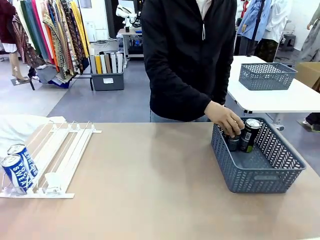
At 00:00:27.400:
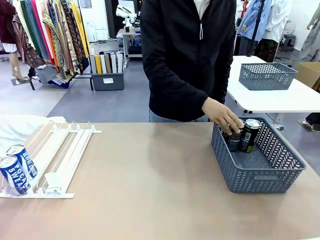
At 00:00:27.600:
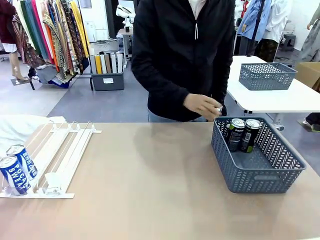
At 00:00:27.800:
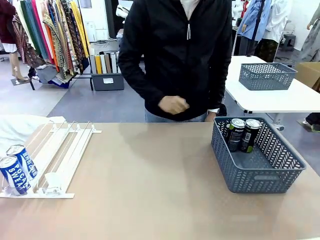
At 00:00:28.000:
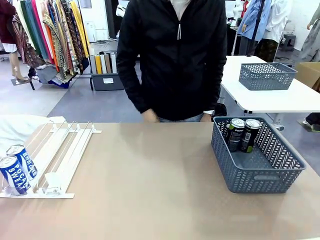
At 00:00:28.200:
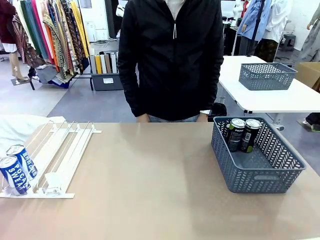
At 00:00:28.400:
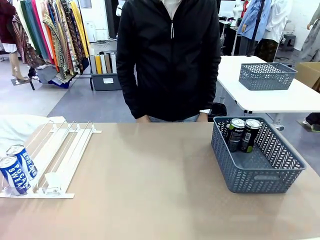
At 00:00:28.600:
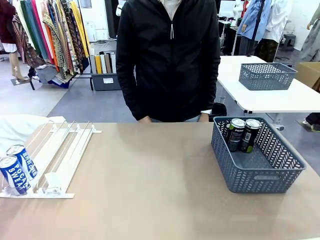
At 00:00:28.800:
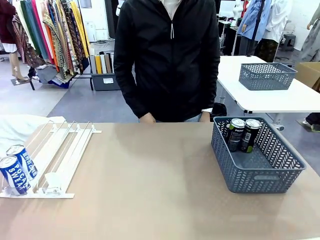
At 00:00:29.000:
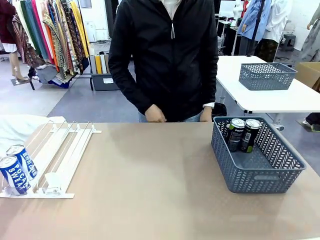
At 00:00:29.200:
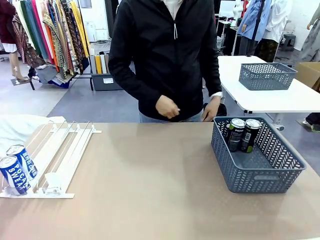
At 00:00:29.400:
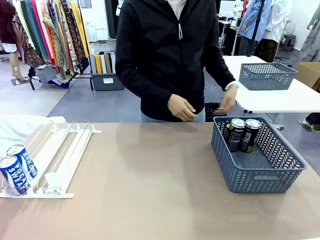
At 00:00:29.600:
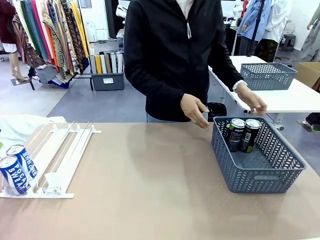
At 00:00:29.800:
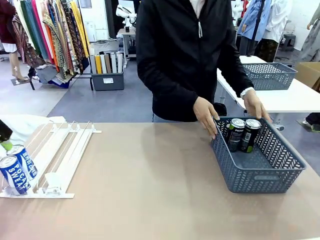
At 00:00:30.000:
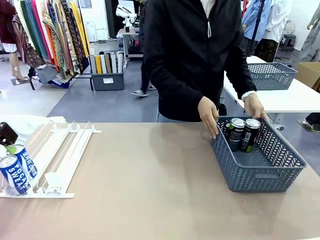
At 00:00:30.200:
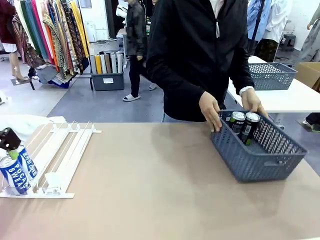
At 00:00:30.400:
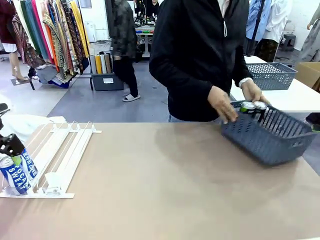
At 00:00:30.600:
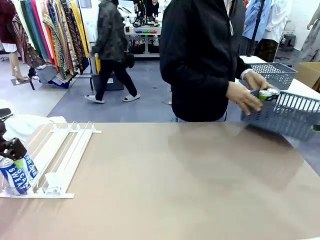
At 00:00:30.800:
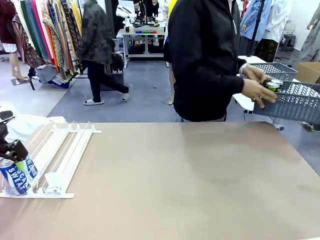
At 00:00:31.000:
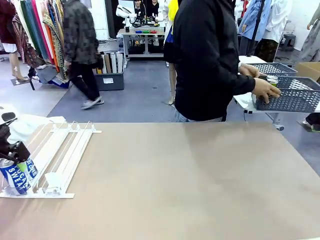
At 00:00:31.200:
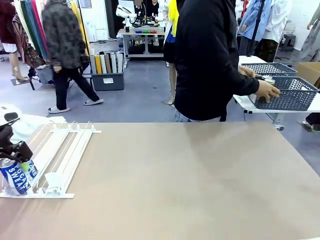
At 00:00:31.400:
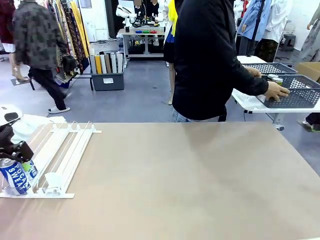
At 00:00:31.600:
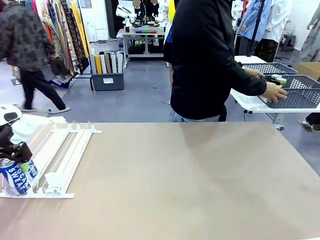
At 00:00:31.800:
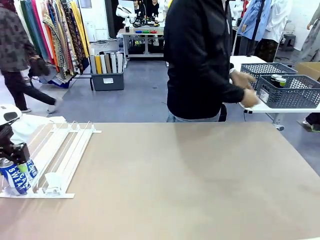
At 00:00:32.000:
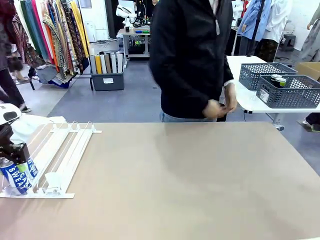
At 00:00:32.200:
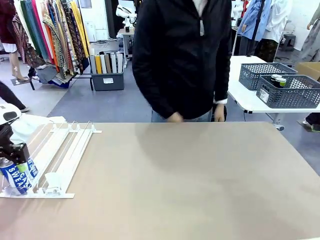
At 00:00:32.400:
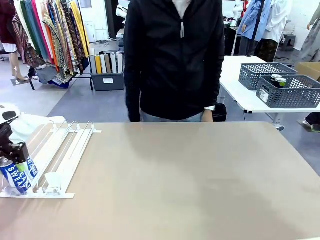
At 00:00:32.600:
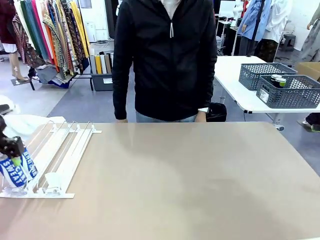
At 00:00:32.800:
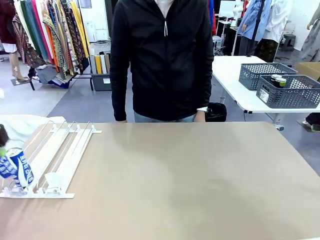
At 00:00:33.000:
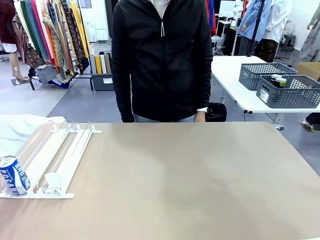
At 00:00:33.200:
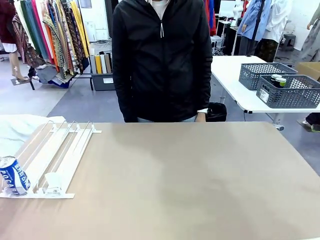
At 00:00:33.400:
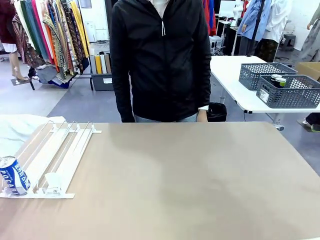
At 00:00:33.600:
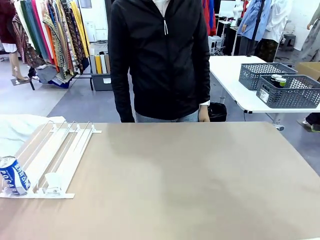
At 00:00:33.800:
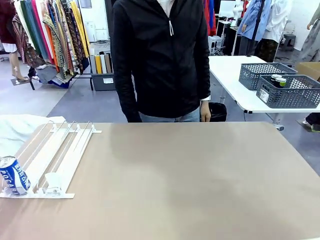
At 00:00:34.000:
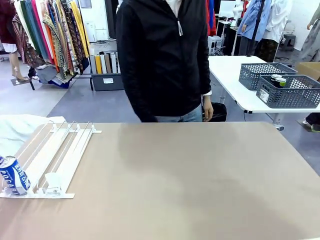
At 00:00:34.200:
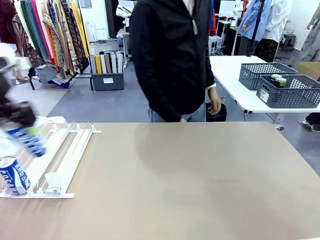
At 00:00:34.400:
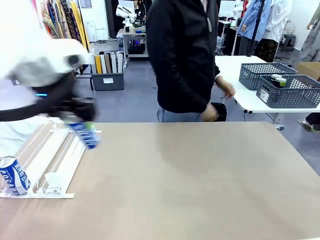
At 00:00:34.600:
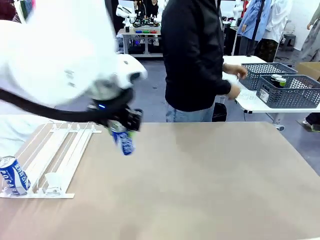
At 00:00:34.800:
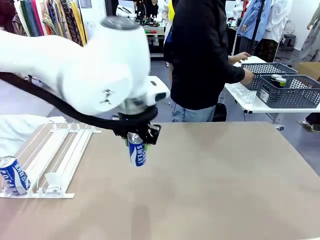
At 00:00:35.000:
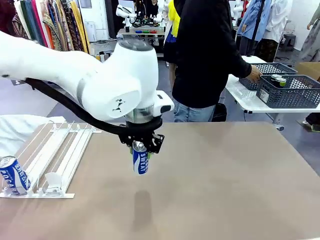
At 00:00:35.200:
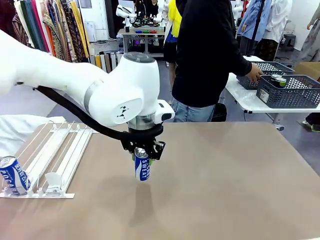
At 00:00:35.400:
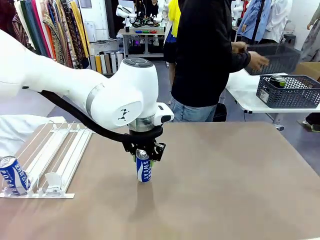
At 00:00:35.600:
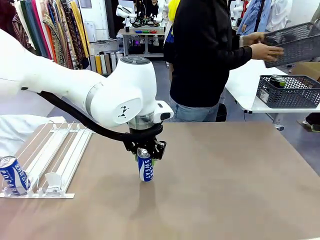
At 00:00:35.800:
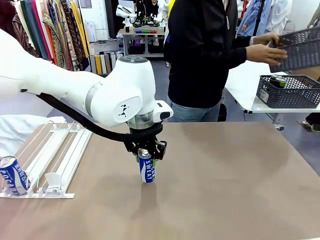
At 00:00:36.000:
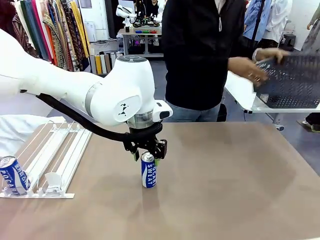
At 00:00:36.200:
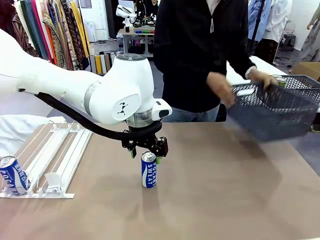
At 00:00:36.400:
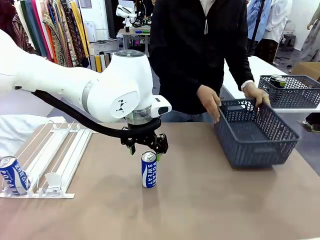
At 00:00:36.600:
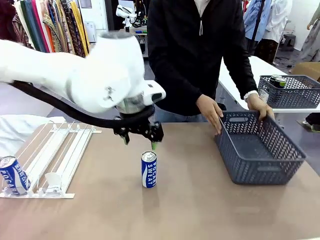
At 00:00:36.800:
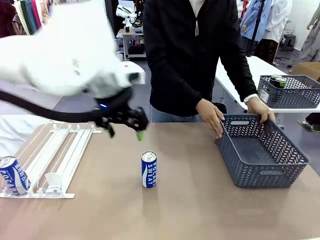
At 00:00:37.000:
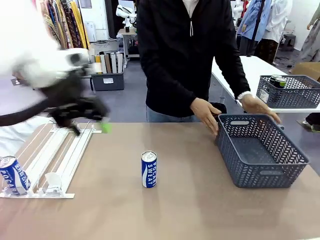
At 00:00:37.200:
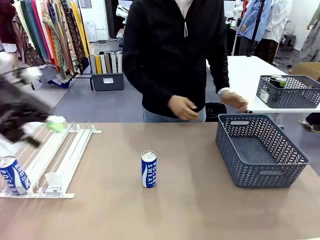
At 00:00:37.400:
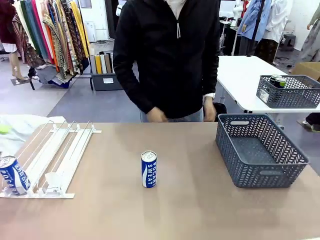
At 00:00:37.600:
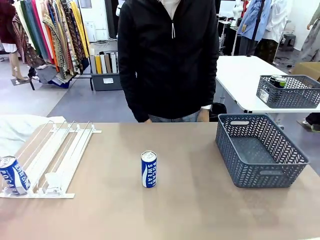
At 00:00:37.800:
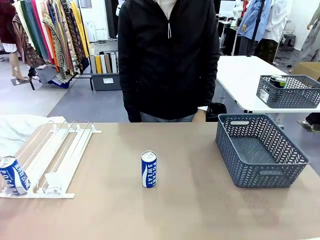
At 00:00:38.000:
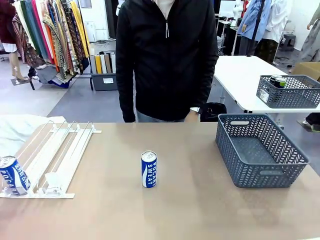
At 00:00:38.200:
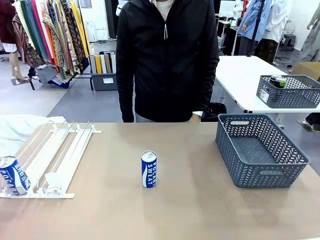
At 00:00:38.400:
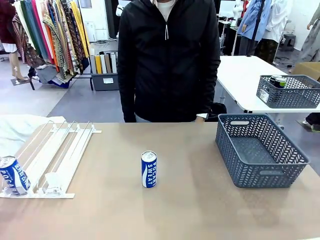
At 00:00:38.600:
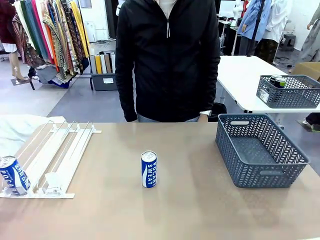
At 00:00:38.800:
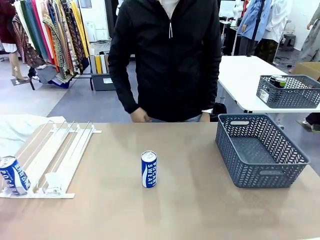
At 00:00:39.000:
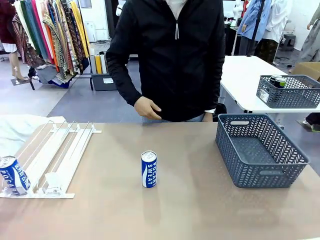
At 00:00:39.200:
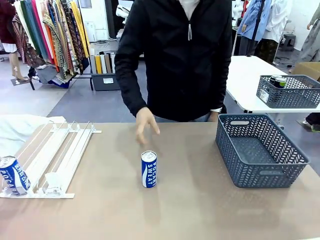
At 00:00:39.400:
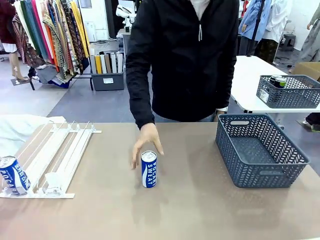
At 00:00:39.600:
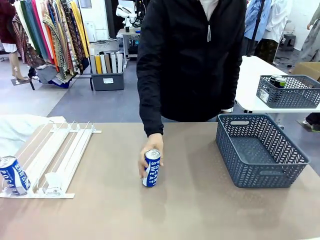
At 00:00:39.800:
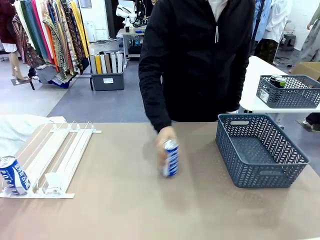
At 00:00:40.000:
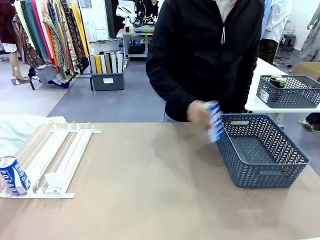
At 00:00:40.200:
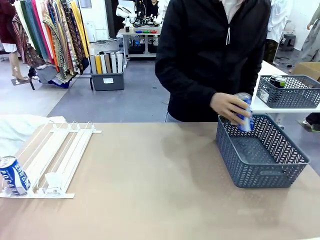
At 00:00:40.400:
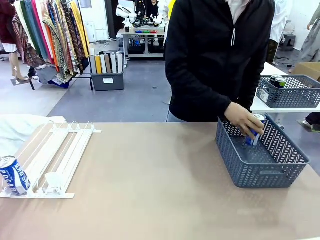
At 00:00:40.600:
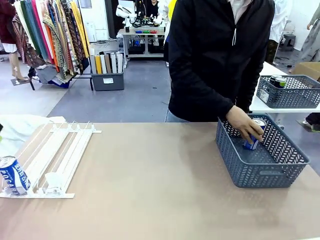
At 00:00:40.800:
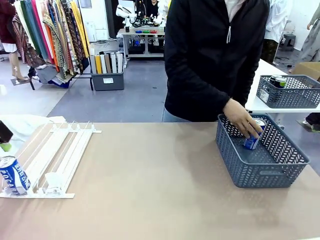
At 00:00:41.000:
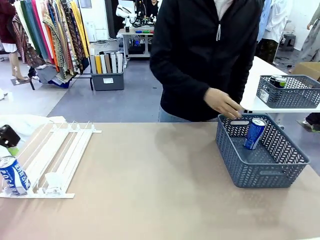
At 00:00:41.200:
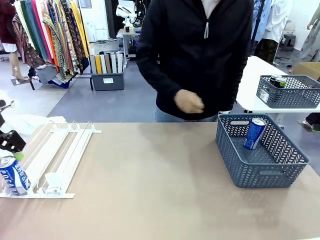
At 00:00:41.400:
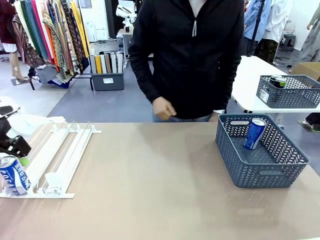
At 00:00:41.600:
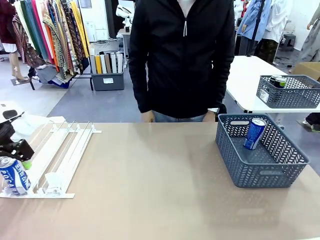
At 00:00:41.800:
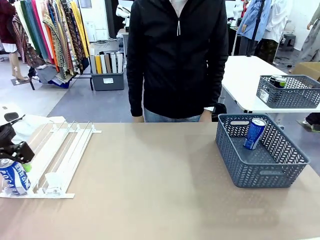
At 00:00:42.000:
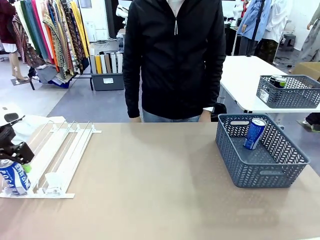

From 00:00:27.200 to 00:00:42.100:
Task: Retrieve and store the cans from the dispenser.
Robot: Pick up one can from the Automatic Can Dispenser and place it in the middle of the table.
Person: Pick up the basket and place it in the middle of the human table. Pick up the empty basket and place it on the left side of the robot table.
